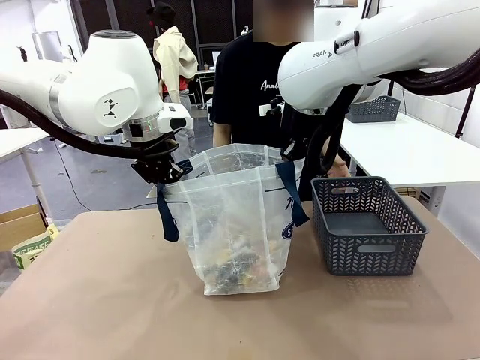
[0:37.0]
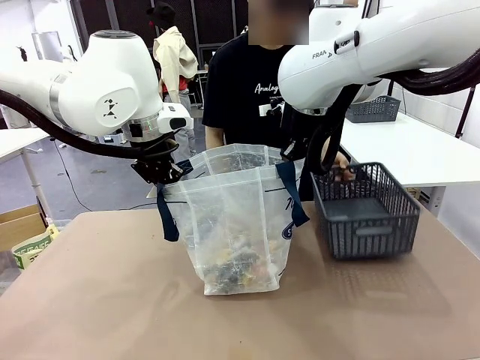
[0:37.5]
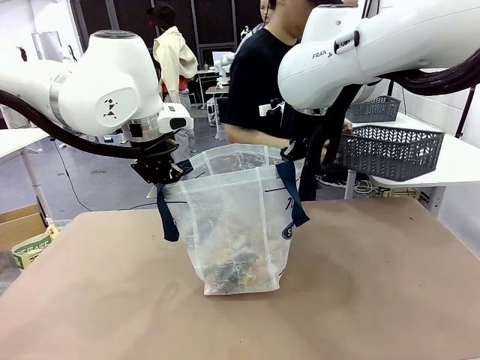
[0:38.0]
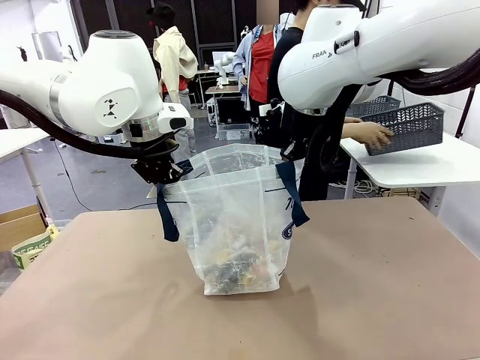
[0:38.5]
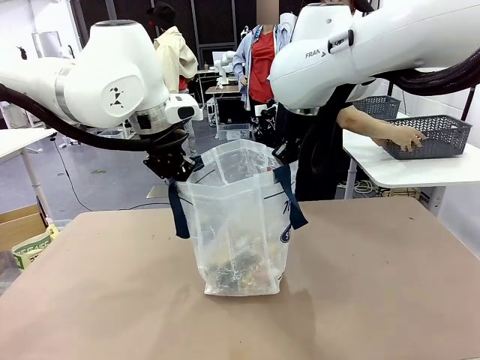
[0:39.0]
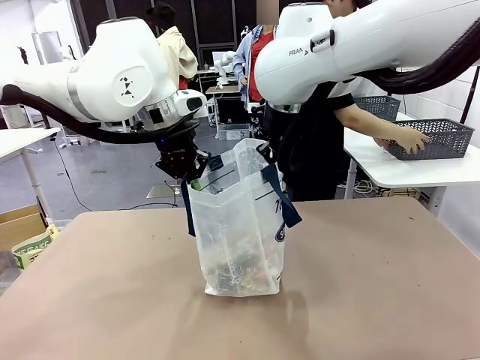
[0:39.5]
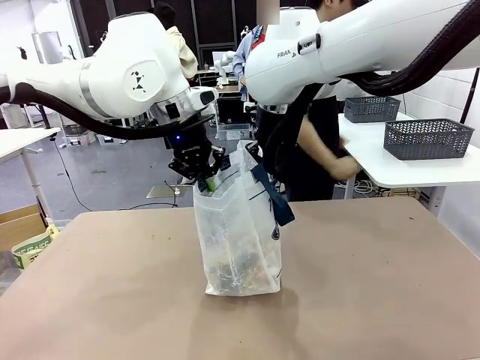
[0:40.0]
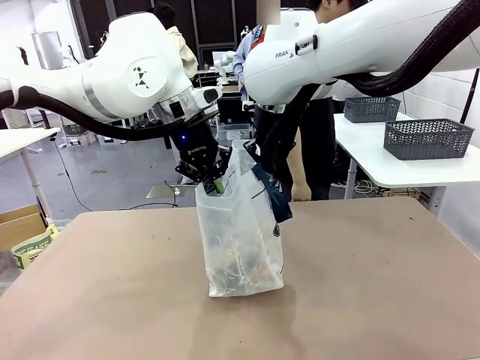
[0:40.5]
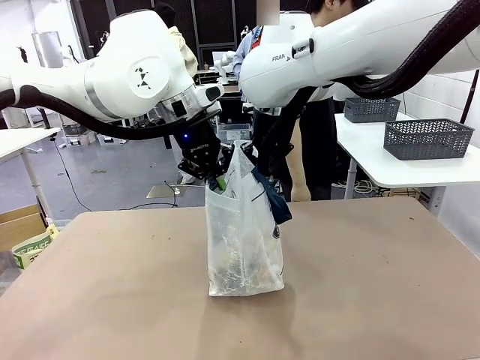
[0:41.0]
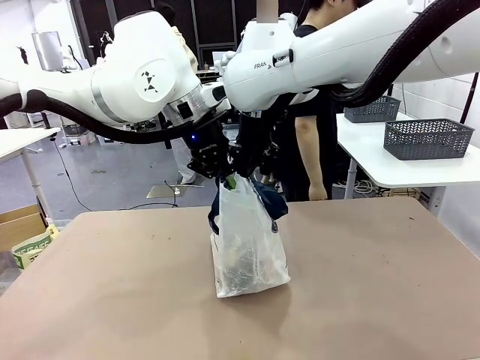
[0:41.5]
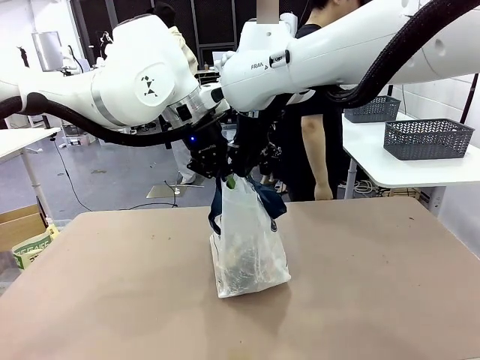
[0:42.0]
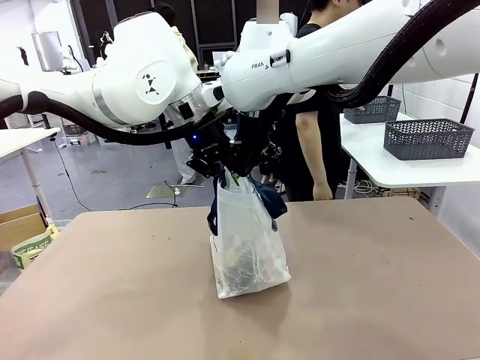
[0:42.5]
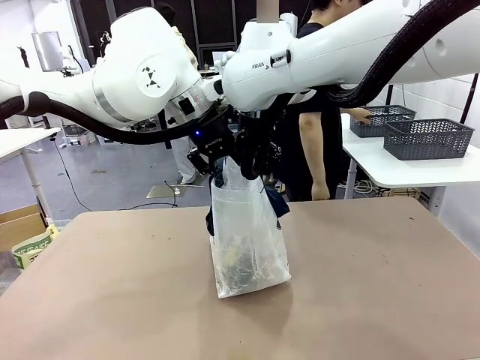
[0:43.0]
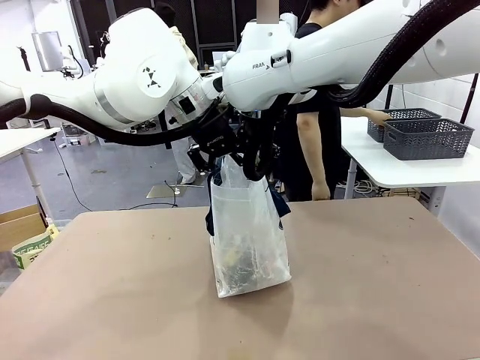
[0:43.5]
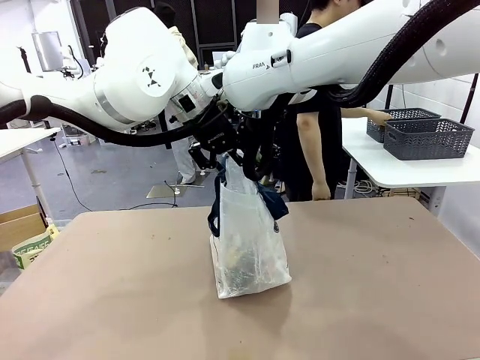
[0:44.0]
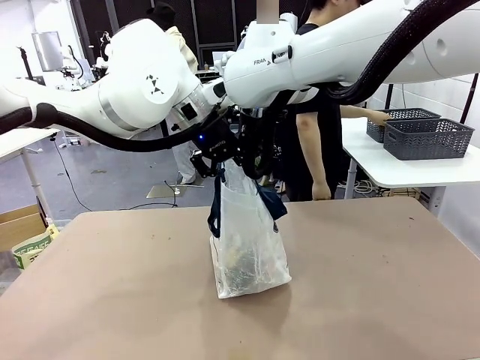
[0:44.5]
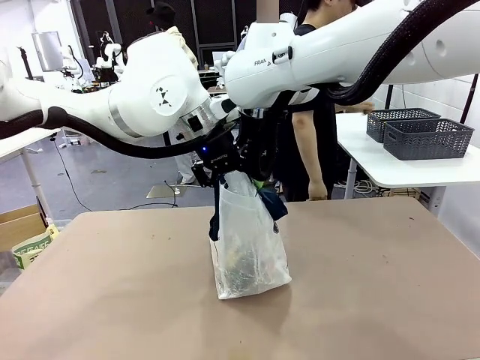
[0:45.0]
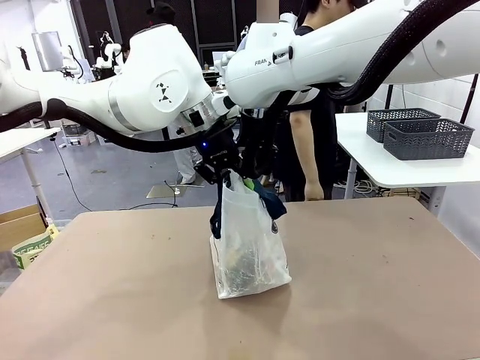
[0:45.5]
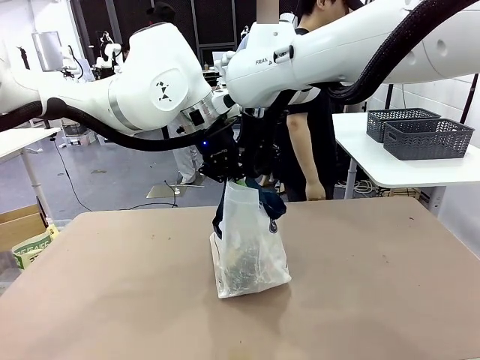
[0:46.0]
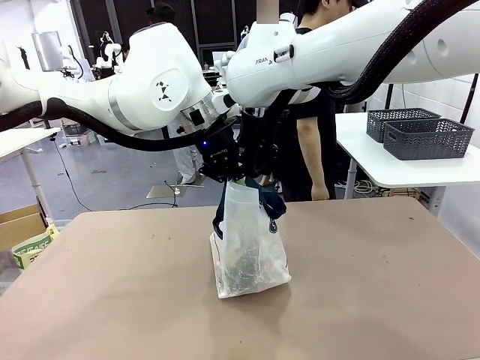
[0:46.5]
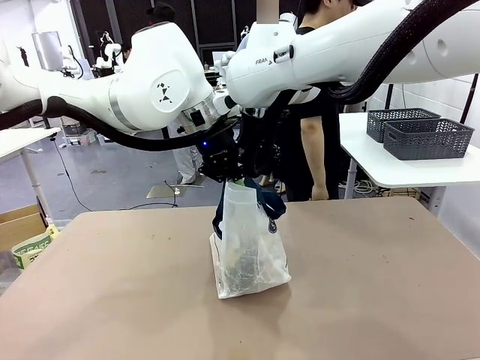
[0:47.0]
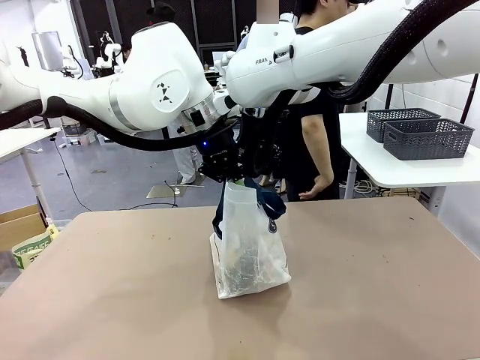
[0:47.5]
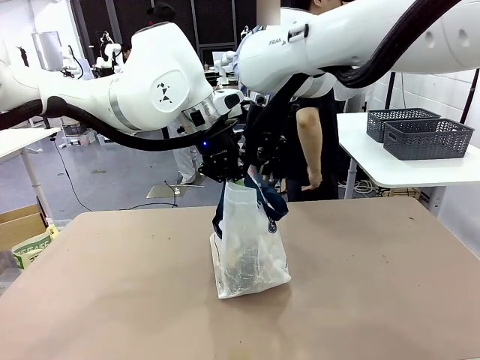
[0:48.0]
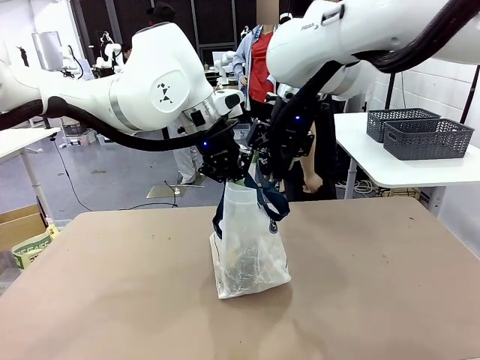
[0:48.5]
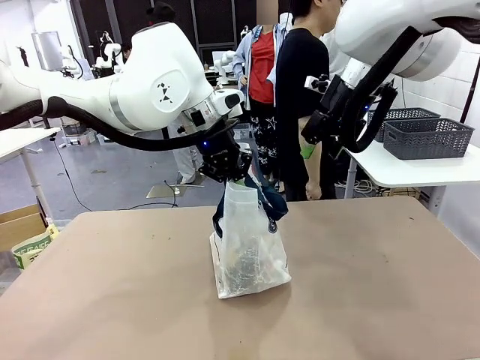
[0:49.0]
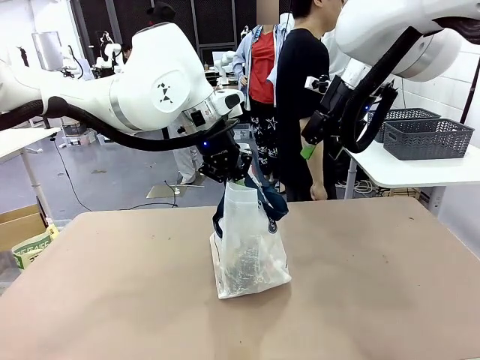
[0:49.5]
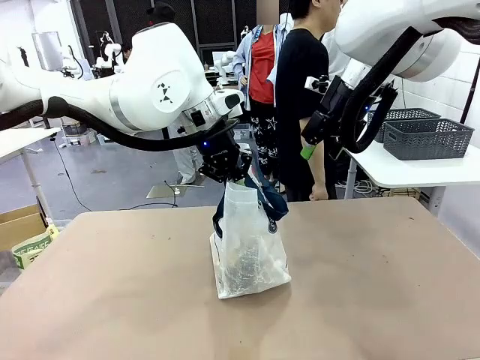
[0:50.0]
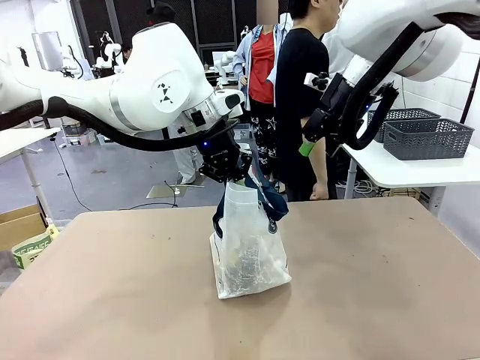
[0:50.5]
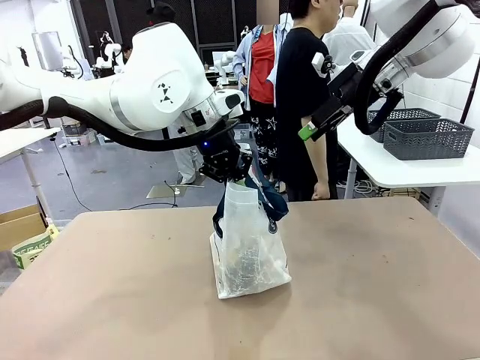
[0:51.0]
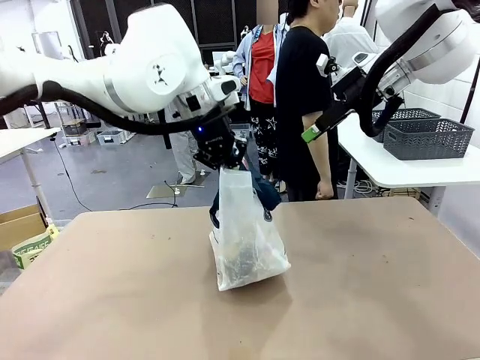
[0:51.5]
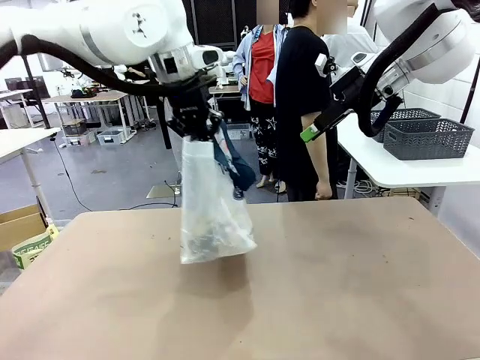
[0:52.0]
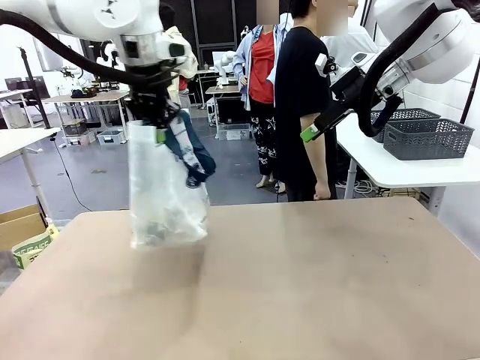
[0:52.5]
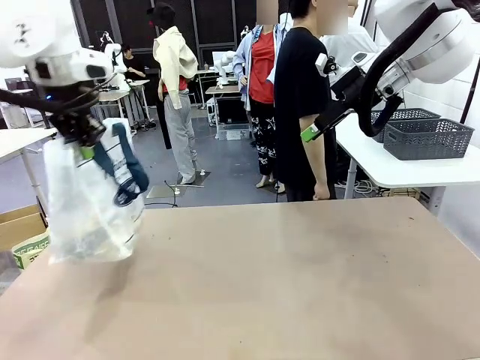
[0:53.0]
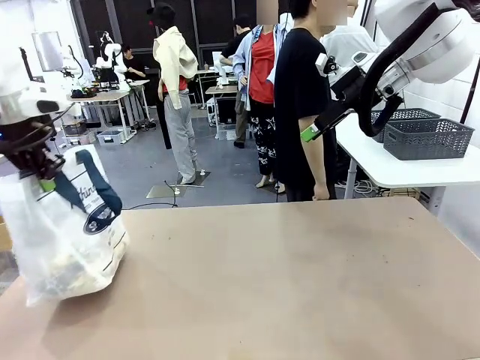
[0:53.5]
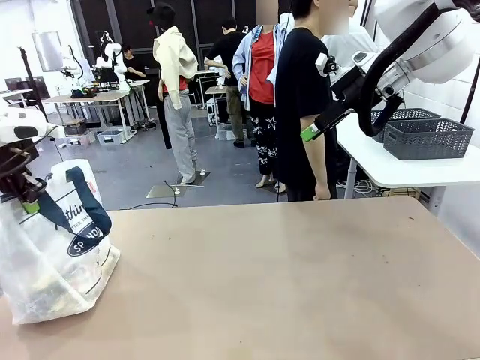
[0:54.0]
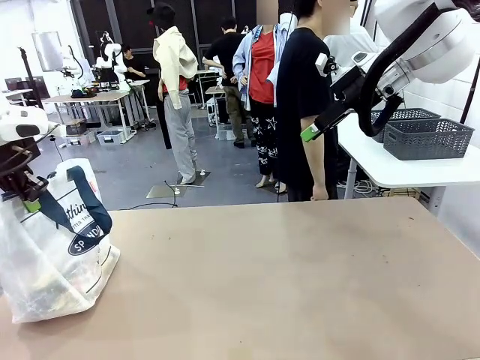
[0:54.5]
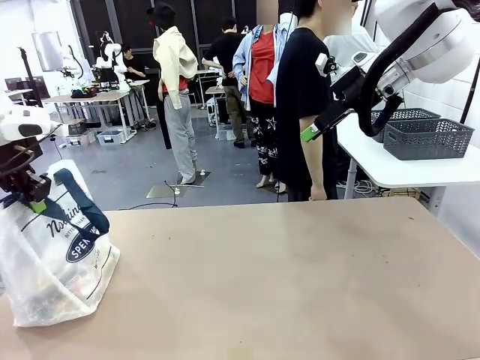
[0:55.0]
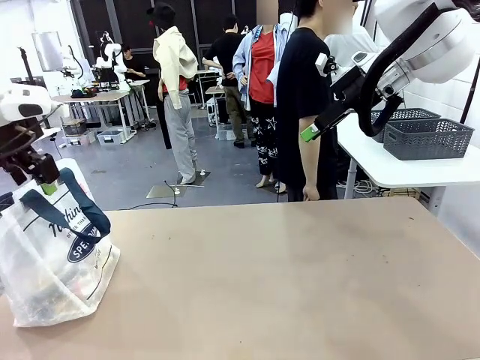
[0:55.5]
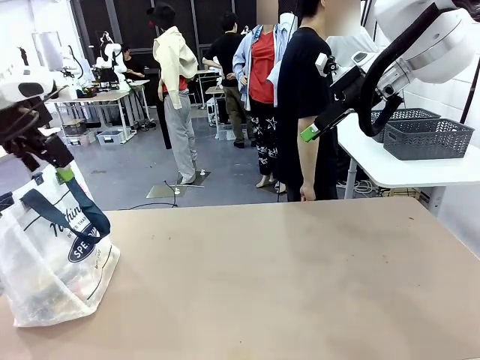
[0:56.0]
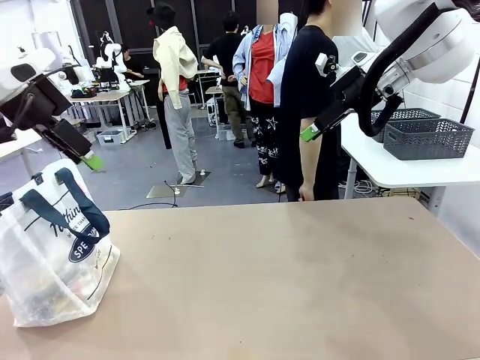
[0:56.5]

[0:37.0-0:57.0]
Task: Transfer purchased items from the store into the shopping bag.
Robot: Move the Reusable shopping bag to the right side of the table.
Person: Pick up the basket with the items out and place it on the right side of the human table. Move the basket on the left to the middle of the person's table.

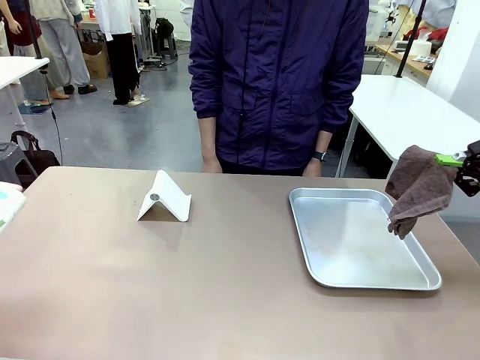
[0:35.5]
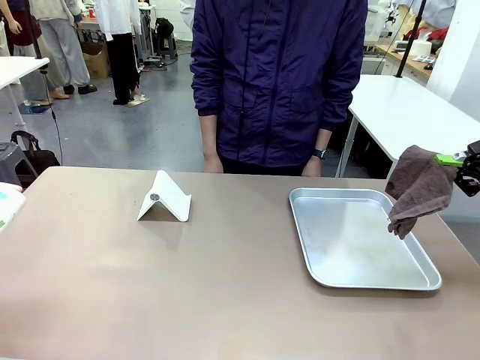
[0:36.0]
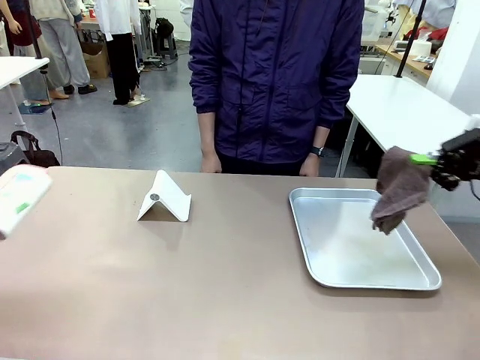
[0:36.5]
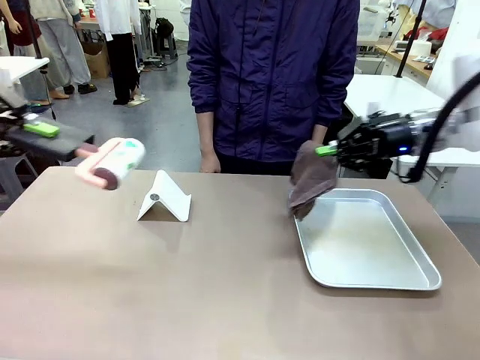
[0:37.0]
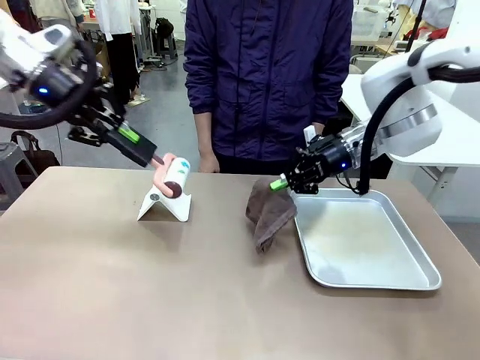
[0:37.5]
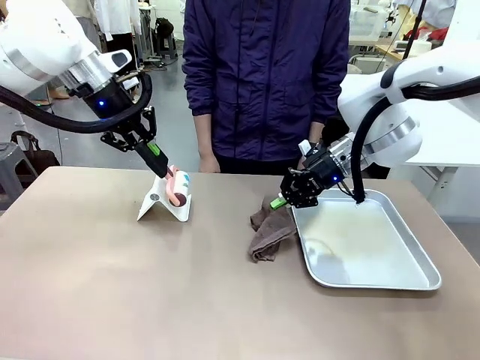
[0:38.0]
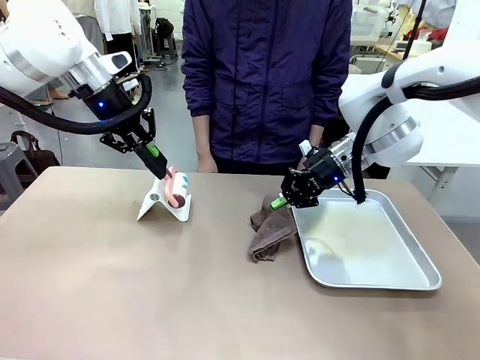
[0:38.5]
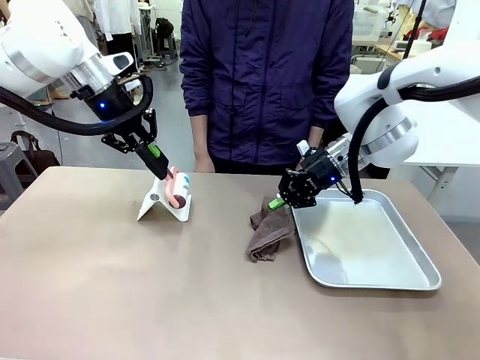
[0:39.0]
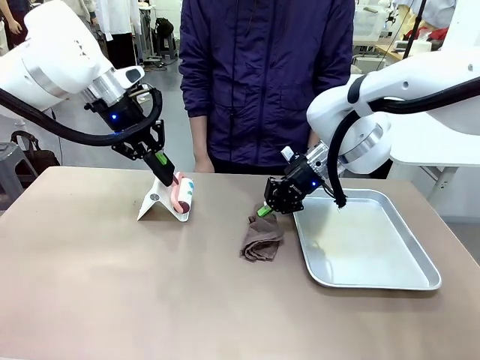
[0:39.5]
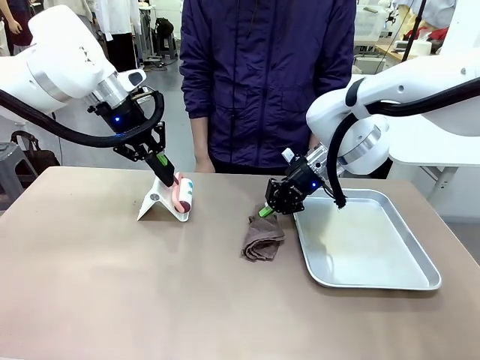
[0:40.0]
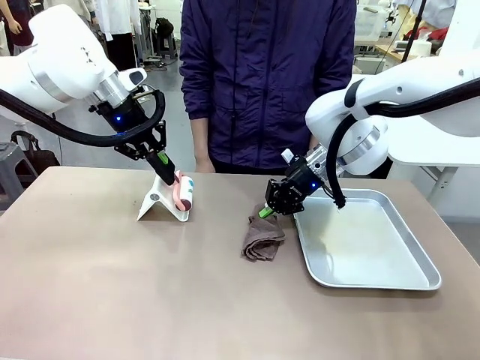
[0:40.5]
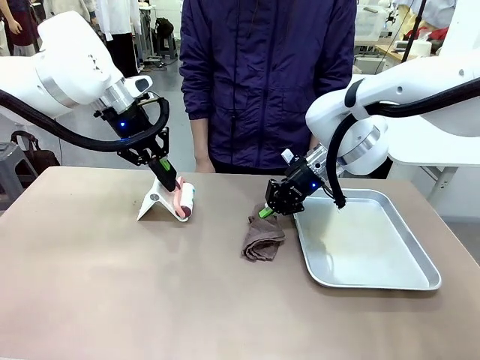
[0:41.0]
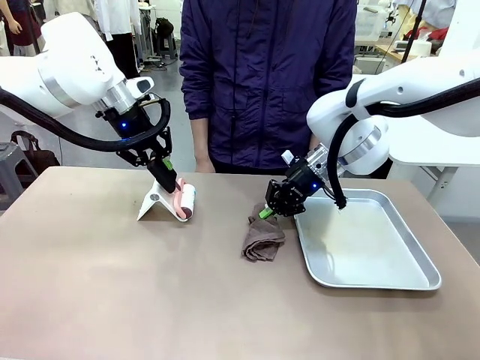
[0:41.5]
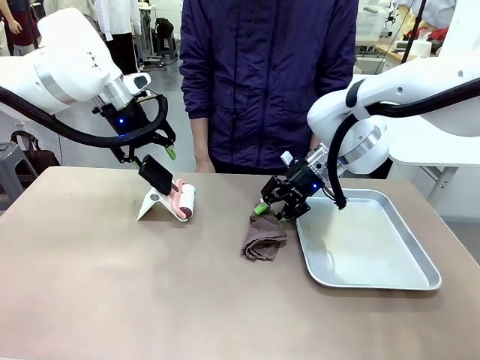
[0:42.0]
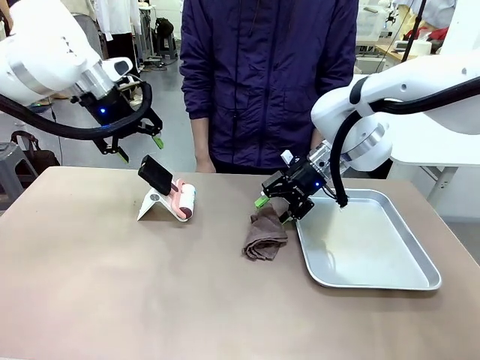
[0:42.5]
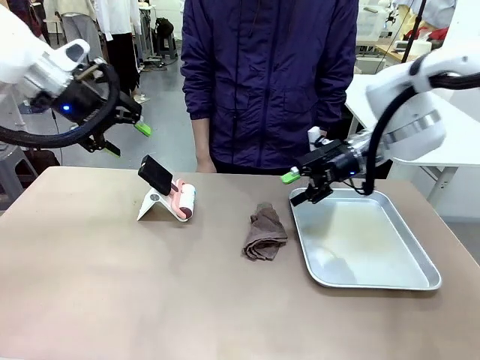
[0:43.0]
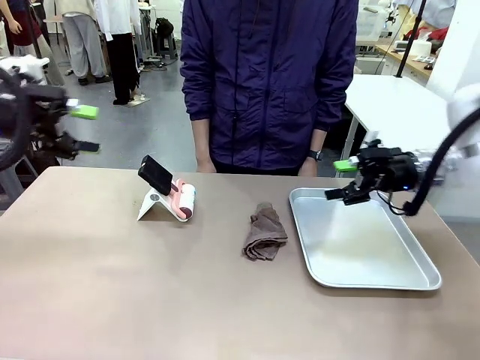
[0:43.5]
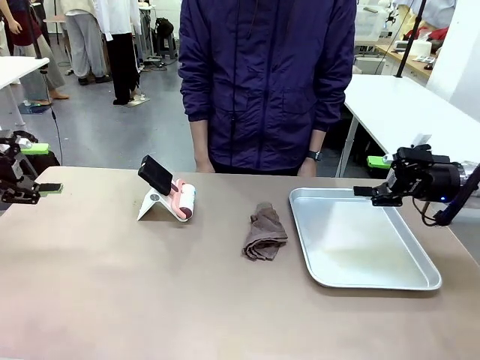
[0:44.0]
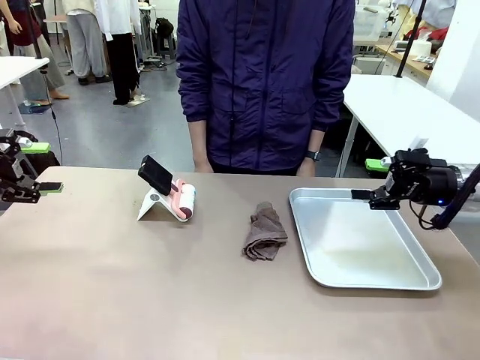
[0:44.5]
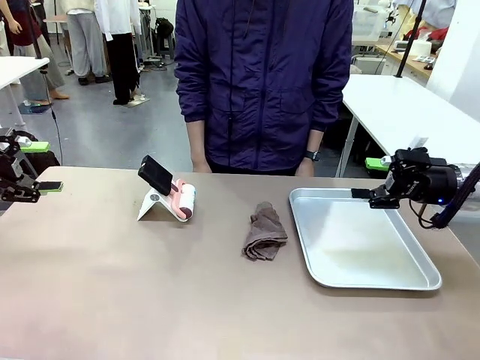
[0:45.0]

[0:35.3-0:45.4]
Task: Clean the surface of the table.
Robot: Return the Lint Roller and towel to their original positions.
